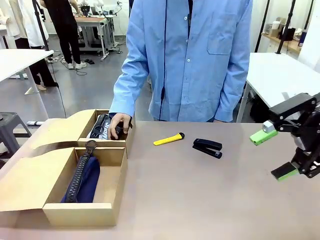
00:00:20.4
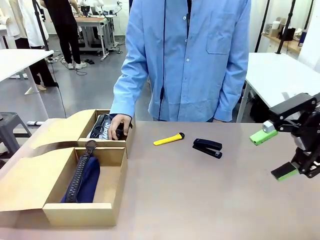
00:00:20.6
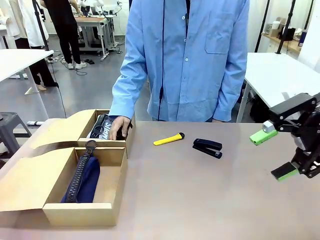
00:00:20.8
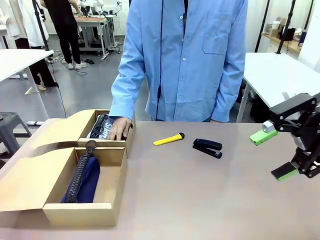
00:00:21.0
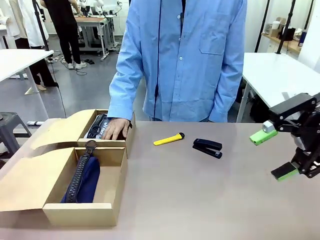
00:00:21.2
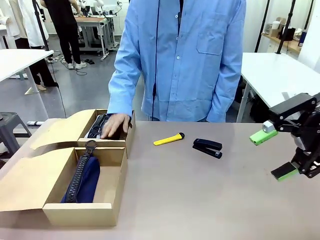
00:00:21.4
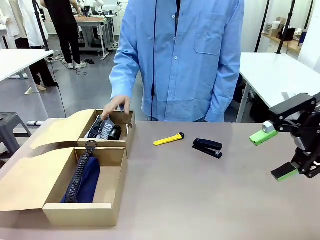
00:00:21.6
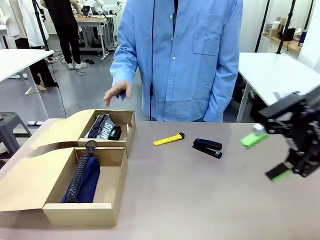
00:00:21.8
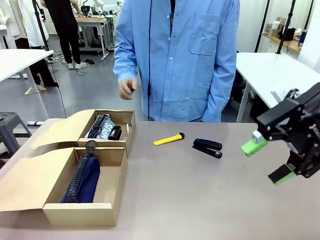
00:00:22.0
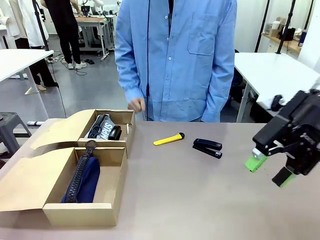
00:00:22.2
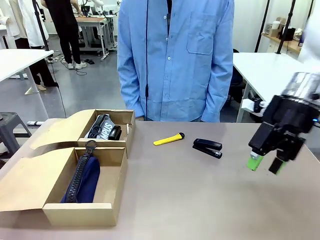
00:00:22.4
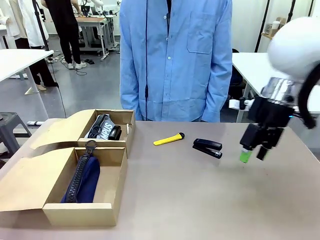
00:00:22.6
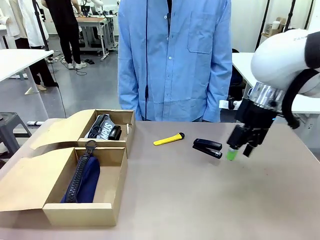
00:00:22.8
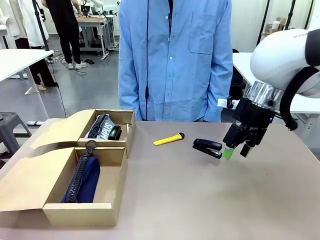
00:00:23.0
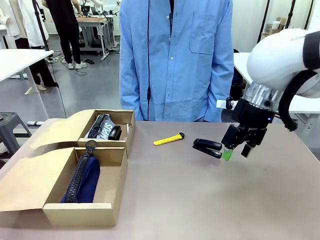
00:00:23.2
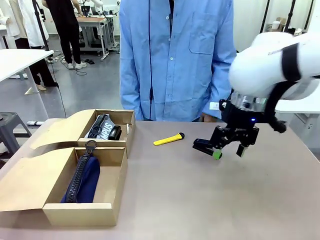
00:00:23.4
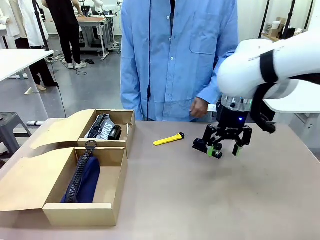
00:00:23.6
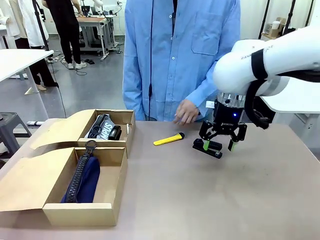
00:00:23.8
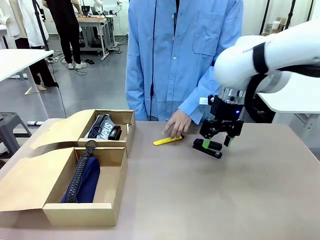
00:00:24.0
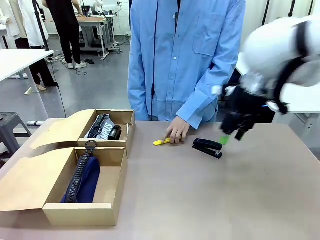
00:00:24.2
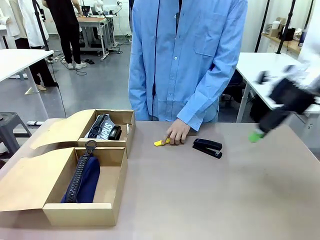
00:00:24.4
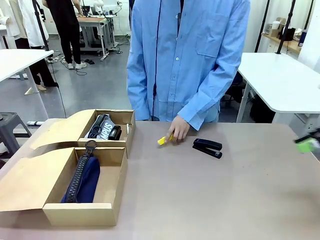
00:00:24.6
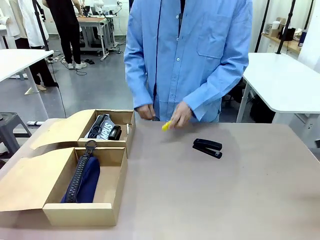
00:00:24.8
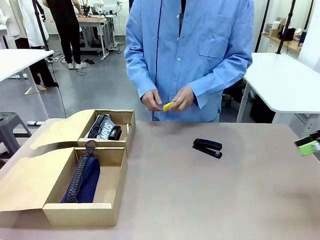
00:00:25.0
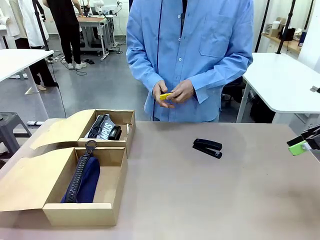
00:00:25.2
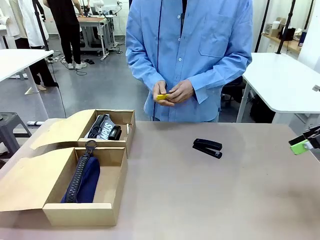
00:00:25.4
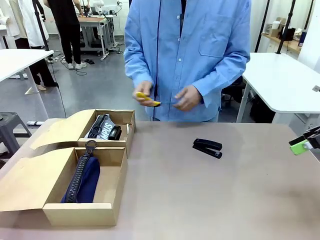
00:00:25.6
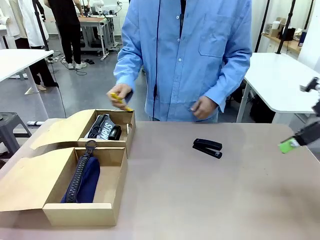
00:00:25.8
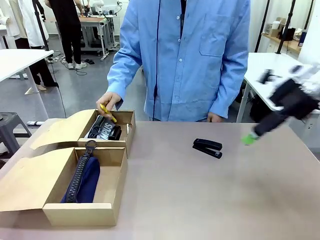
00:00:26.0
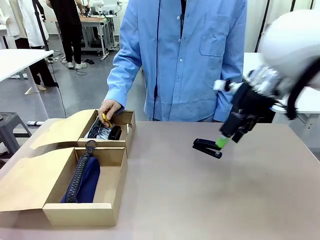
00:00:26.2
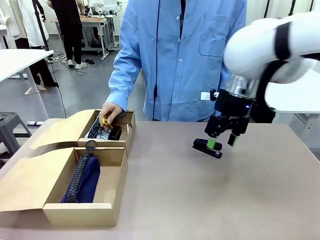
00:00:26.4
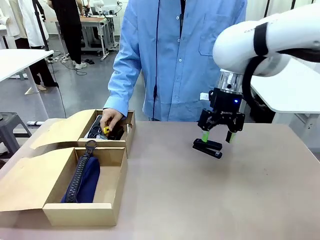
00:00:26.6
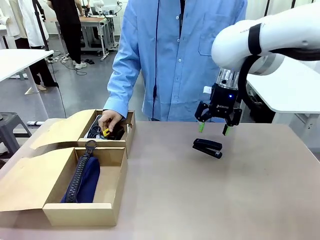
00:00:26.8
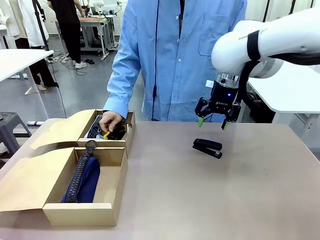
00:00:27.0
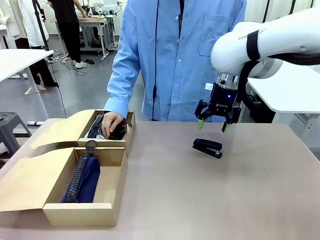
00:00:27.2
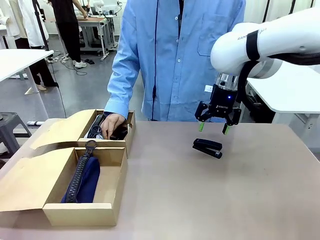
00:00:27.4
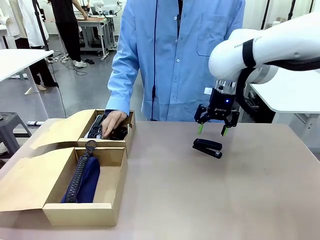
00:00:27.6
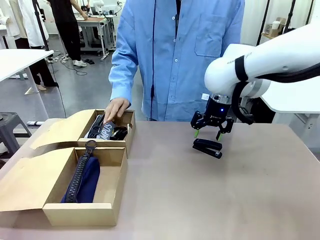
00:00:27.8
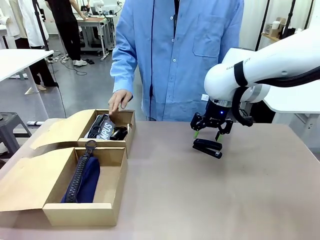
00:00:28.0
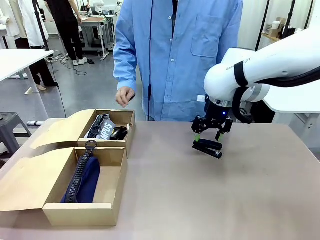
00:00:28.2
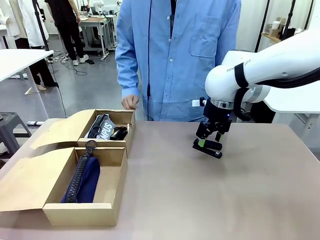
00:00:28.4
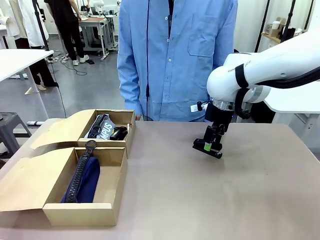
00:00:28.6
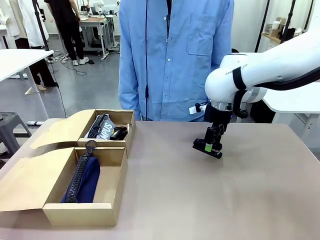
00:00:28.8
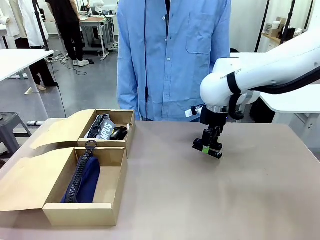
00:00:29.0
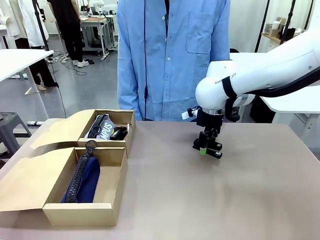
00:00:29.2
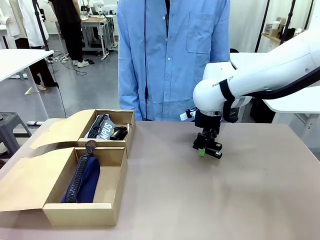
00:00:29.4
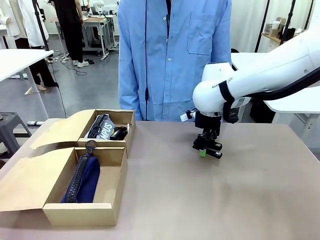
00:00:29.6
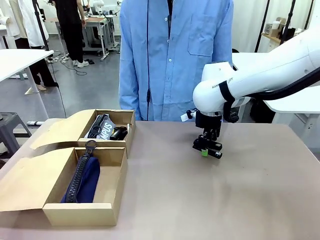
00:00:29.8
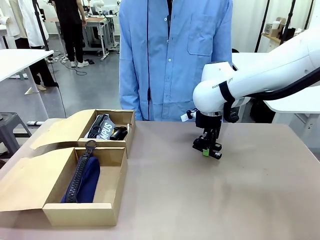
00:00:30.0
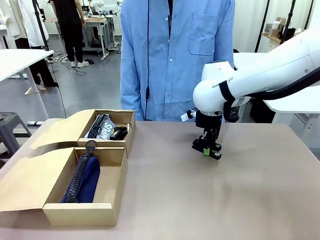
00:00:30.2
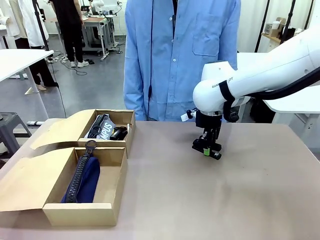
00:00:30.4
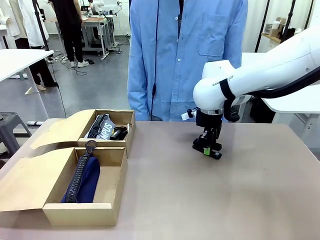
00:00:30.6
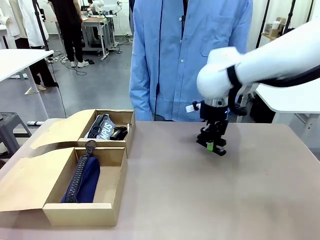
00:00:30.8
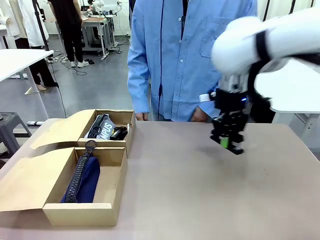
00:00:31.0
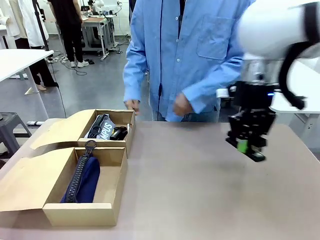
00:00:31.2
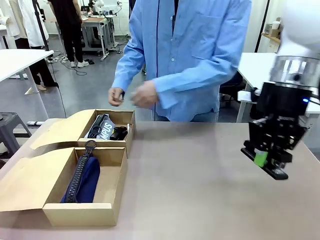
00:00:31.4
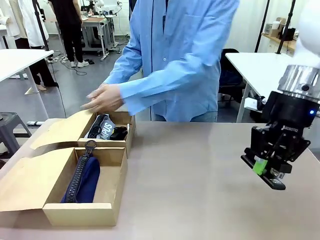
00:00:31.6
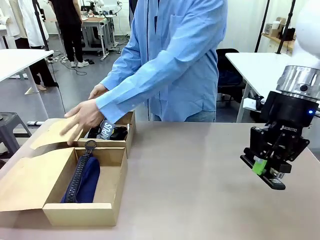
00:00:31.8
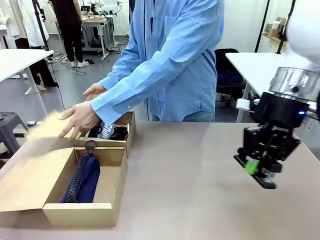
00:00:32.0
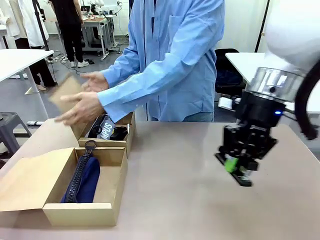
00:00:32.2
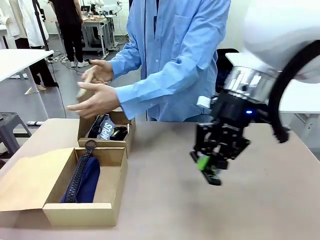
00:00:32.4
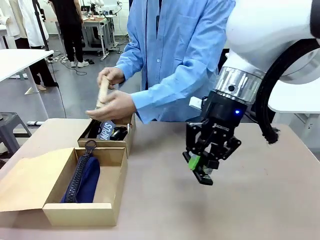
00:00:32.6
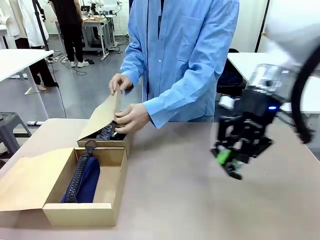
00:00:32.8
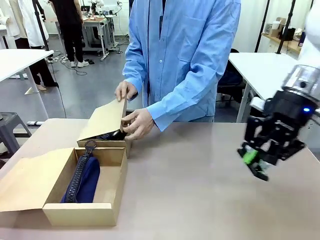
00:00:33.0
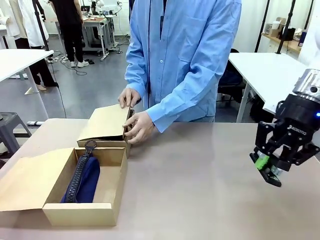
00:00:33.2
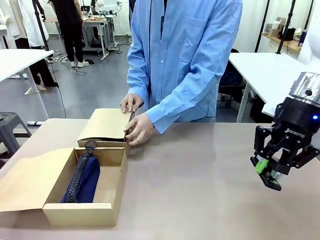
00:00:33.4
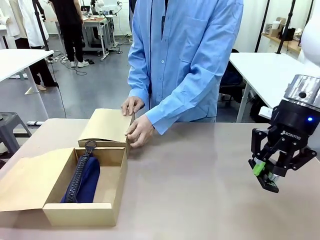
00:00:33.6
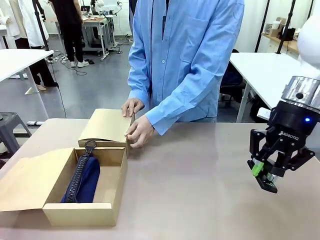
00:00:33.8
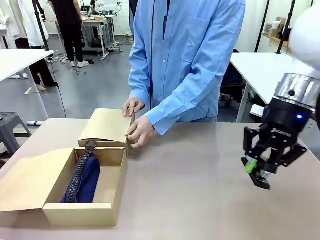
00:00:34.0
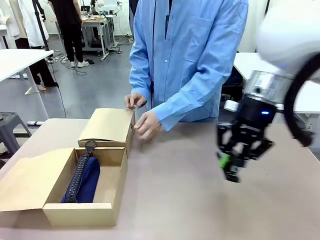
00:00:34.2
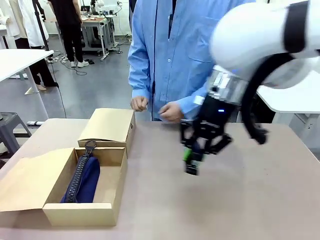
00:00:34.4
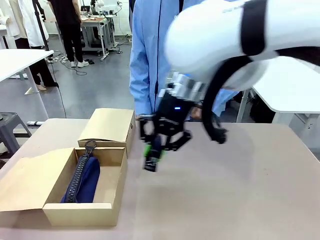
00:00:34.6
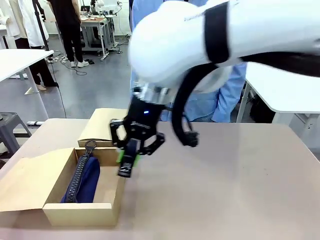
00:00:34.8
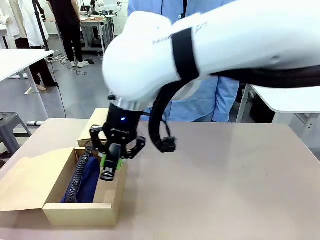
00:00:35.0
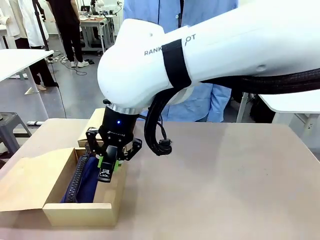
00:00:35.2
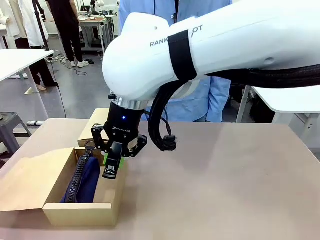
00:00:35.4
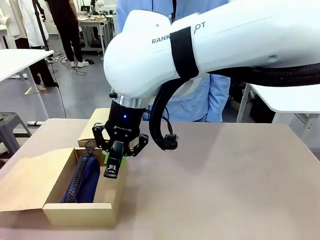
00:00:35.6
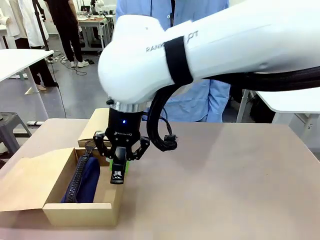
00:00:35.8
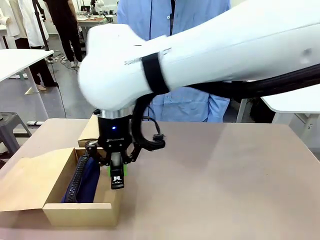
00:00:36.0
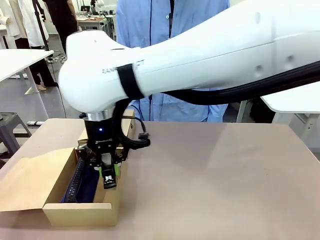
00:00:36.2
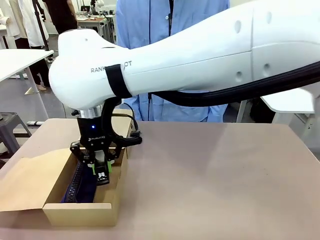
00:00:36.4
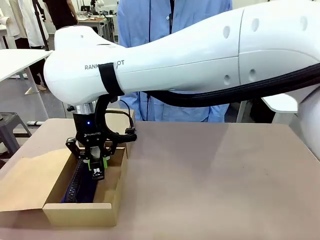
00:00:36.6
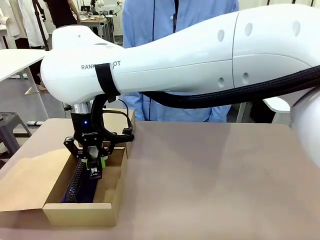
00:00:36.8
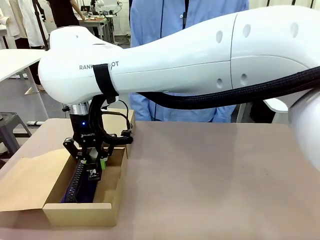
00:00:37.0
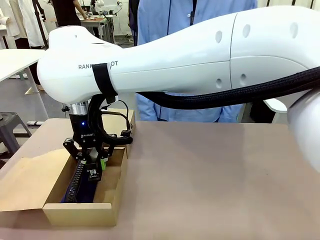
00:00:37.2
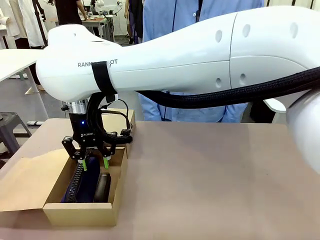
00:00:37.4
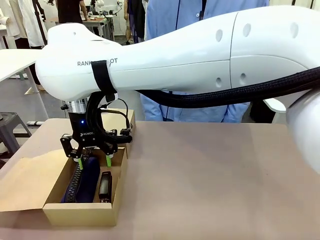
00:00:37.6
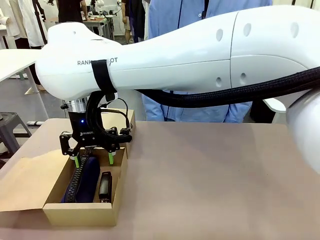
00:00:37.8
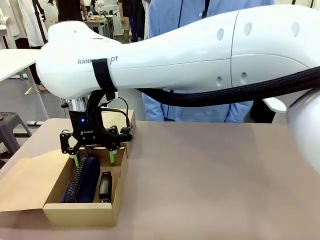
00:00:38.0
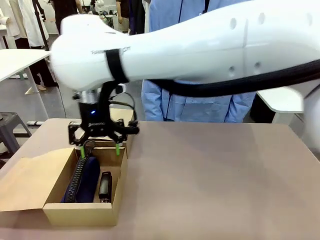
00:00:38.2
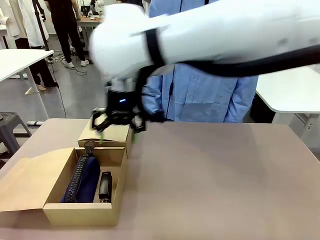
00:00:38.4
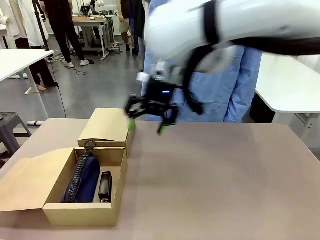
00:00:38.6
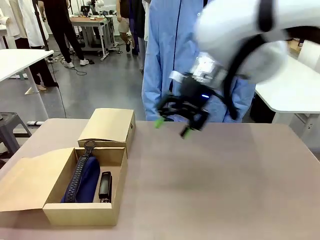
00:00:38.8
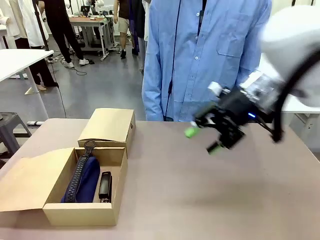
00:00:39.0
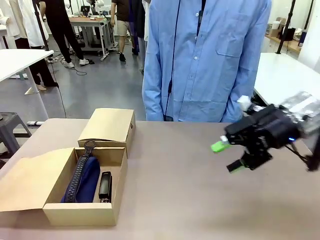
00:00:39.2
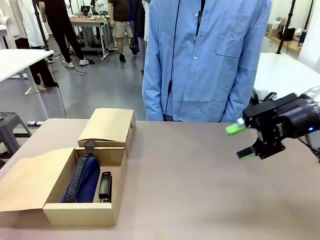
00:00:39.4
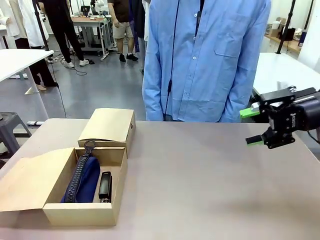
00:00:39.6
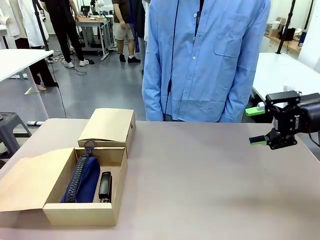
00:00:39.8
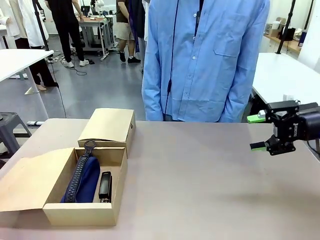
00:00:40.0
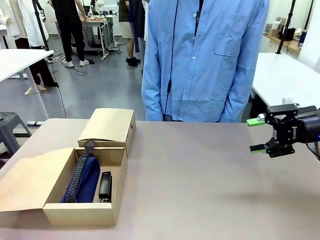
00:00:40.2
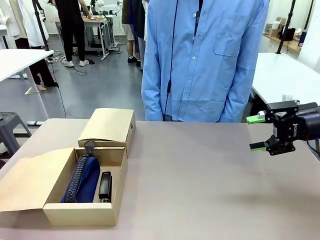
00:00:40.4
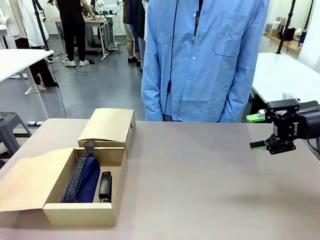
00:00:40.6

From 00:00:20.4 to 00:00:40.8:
Task: Place items inside the box.
Robot: Pick up a Pencil pouch or Stapler and place it inside the Mailer Box closest to the robot.
Person: Close the lid of the box facing the person.
